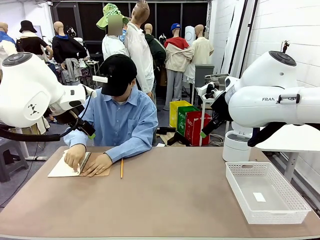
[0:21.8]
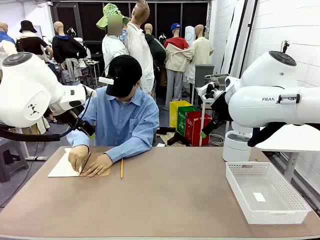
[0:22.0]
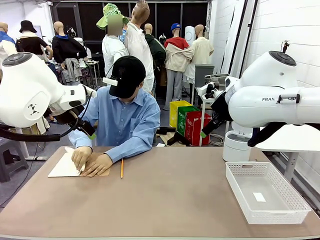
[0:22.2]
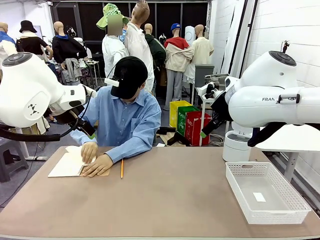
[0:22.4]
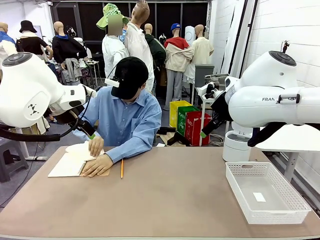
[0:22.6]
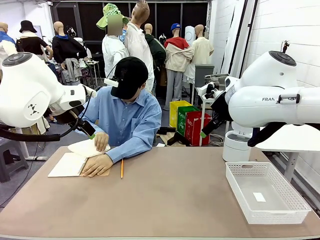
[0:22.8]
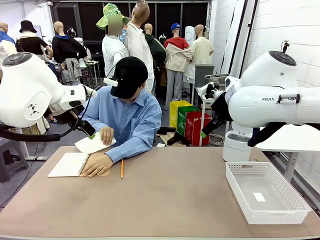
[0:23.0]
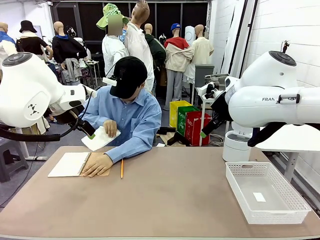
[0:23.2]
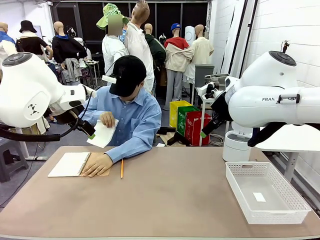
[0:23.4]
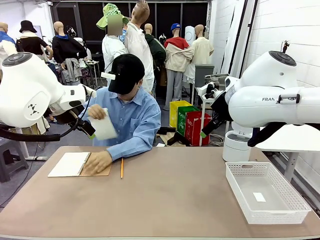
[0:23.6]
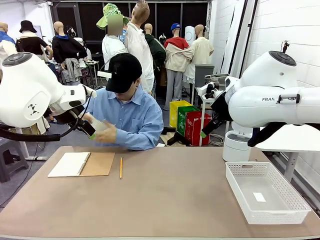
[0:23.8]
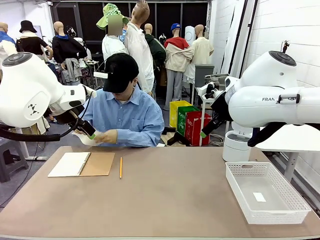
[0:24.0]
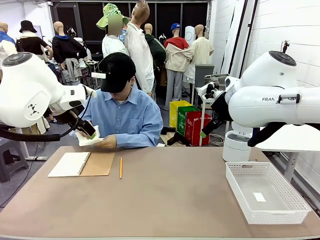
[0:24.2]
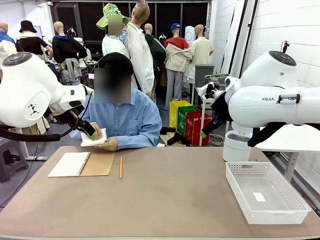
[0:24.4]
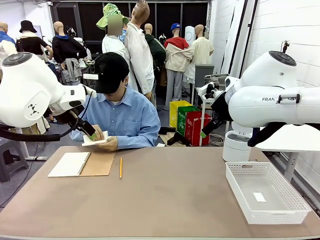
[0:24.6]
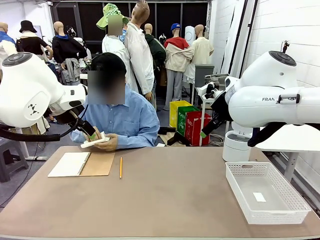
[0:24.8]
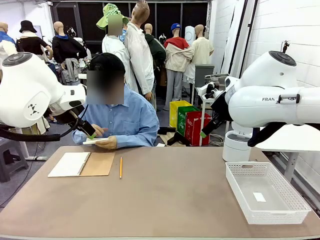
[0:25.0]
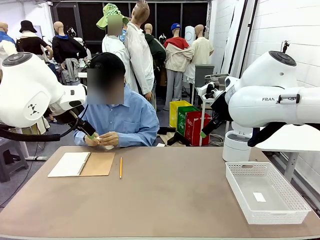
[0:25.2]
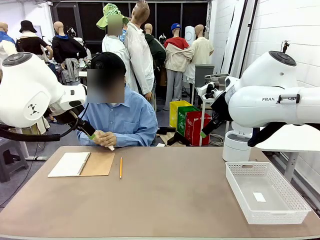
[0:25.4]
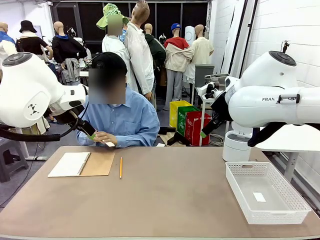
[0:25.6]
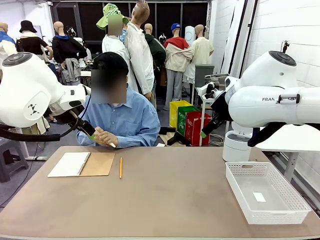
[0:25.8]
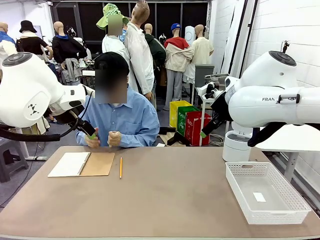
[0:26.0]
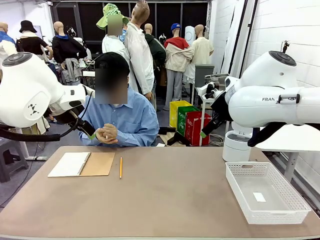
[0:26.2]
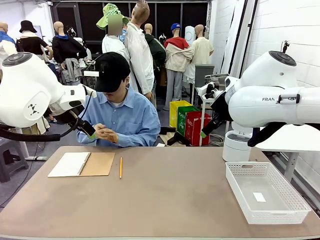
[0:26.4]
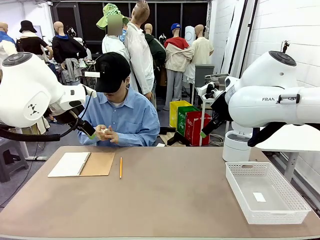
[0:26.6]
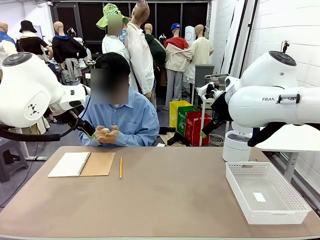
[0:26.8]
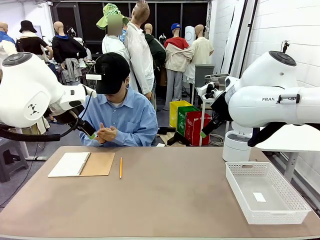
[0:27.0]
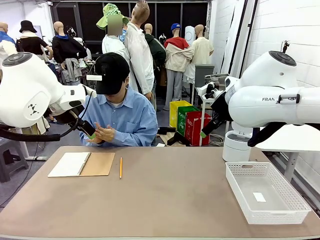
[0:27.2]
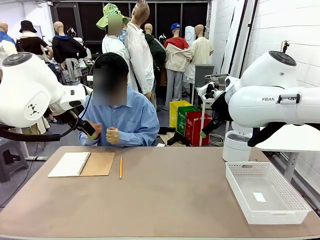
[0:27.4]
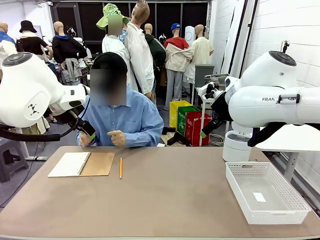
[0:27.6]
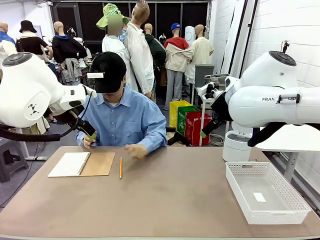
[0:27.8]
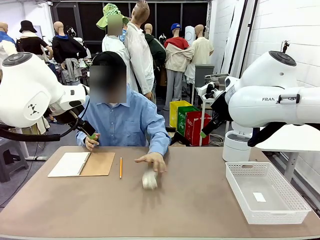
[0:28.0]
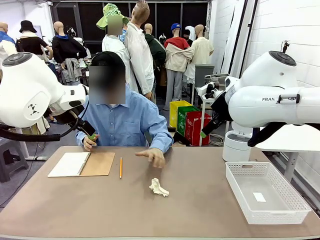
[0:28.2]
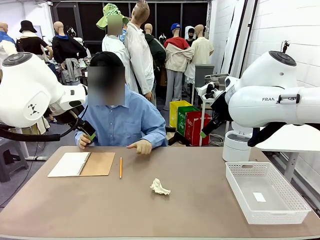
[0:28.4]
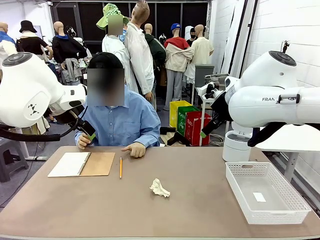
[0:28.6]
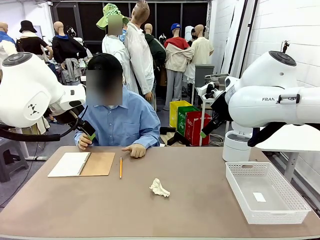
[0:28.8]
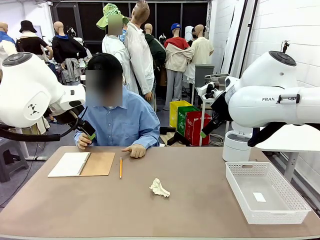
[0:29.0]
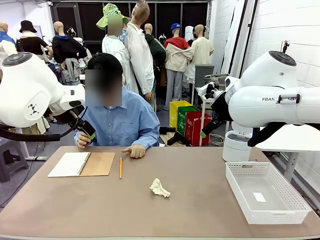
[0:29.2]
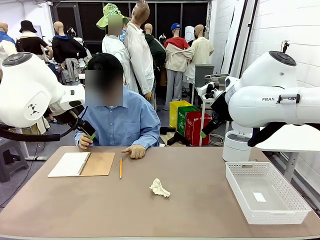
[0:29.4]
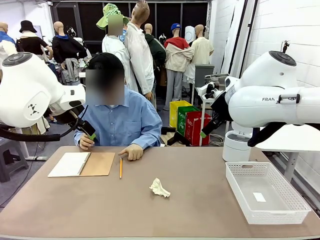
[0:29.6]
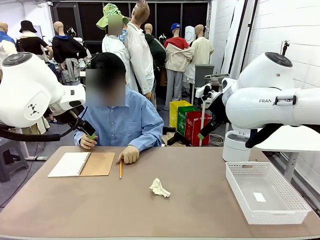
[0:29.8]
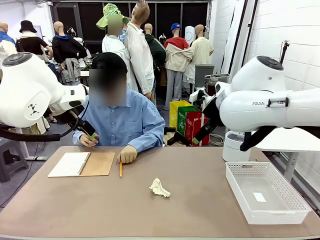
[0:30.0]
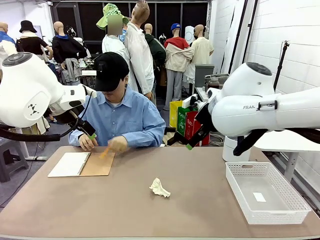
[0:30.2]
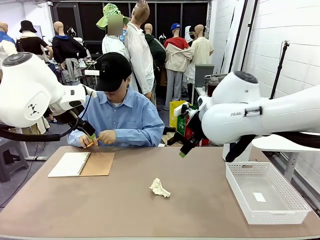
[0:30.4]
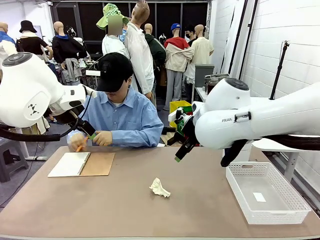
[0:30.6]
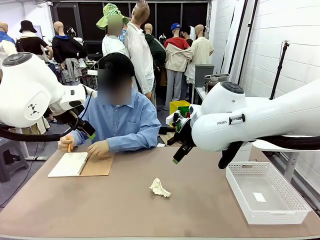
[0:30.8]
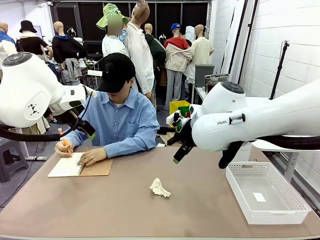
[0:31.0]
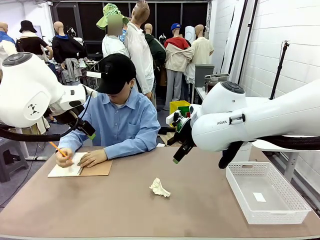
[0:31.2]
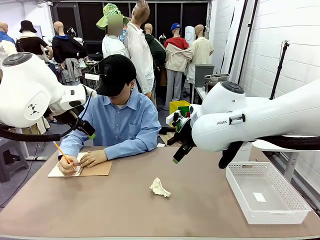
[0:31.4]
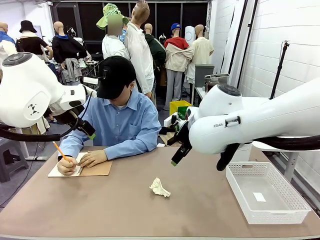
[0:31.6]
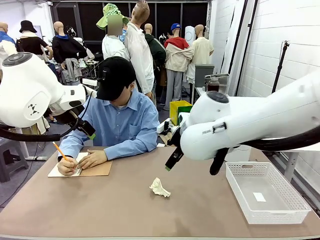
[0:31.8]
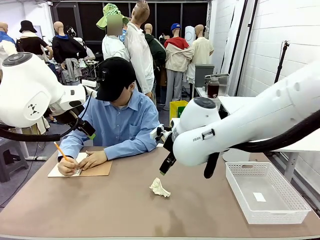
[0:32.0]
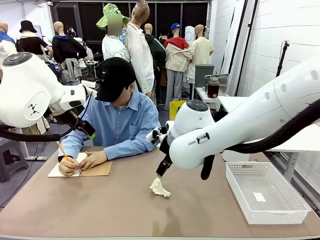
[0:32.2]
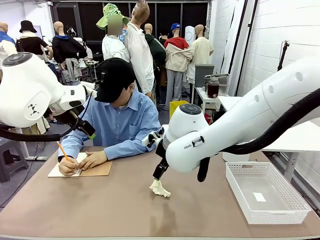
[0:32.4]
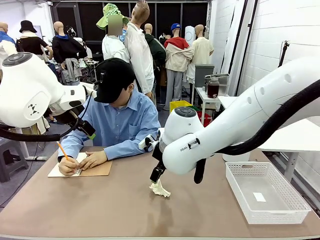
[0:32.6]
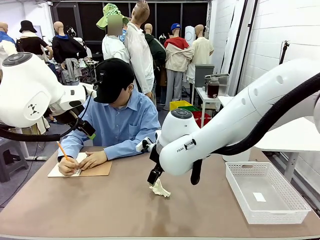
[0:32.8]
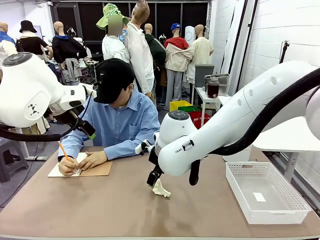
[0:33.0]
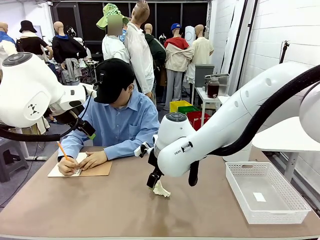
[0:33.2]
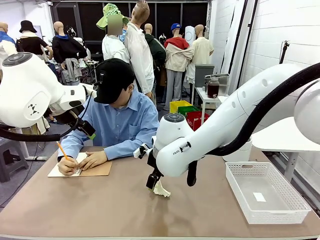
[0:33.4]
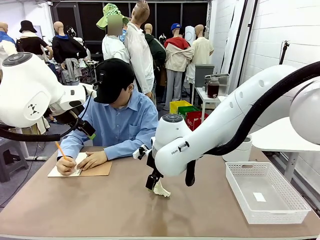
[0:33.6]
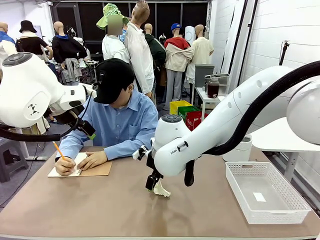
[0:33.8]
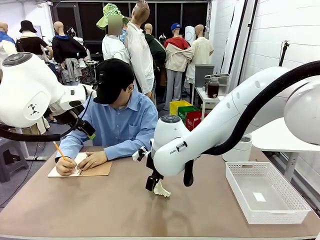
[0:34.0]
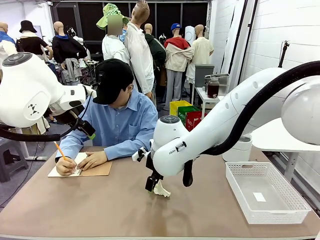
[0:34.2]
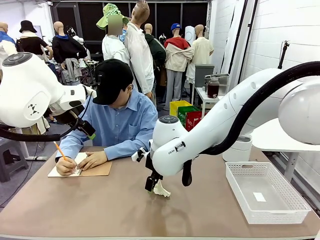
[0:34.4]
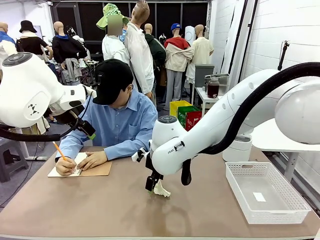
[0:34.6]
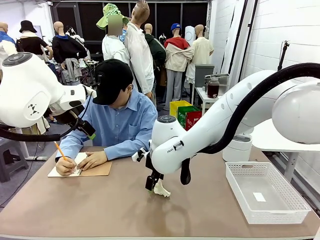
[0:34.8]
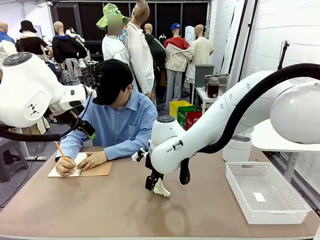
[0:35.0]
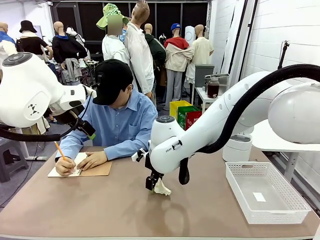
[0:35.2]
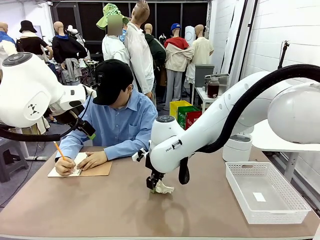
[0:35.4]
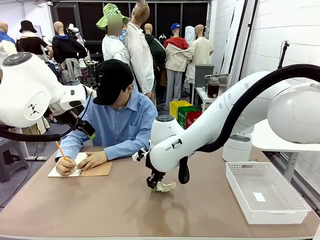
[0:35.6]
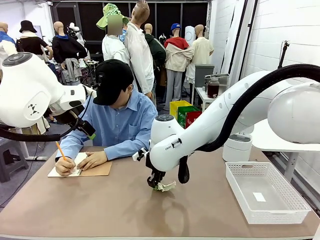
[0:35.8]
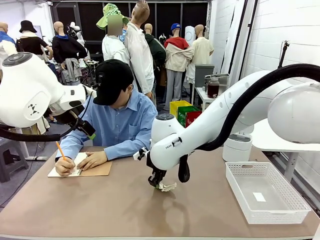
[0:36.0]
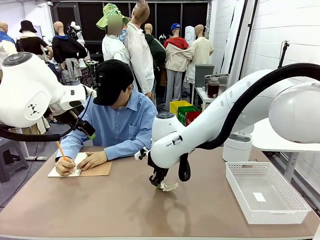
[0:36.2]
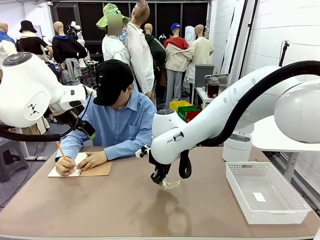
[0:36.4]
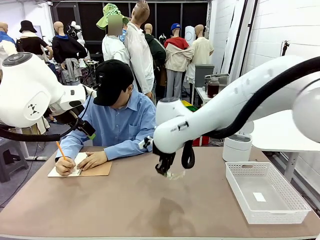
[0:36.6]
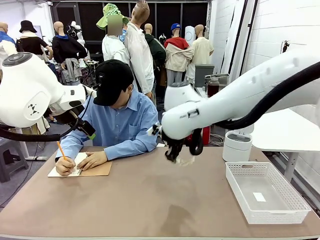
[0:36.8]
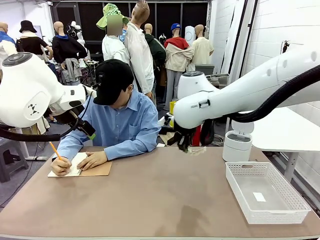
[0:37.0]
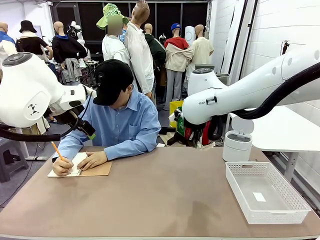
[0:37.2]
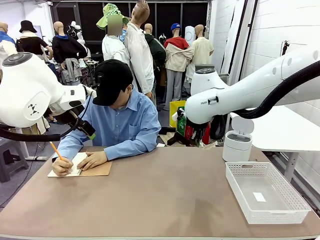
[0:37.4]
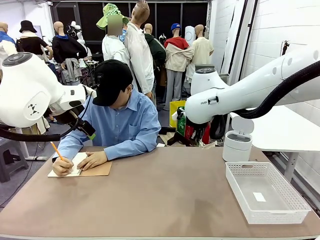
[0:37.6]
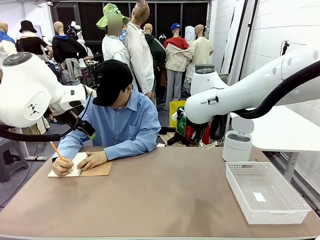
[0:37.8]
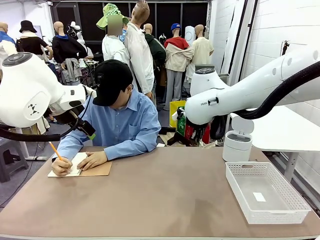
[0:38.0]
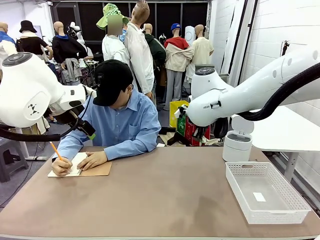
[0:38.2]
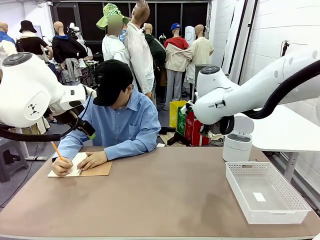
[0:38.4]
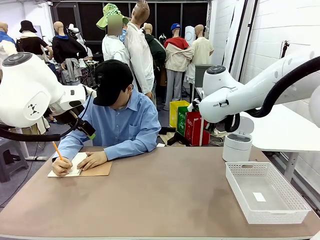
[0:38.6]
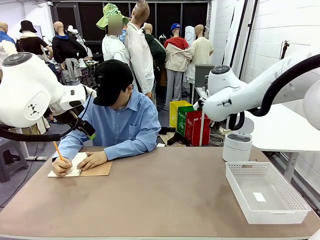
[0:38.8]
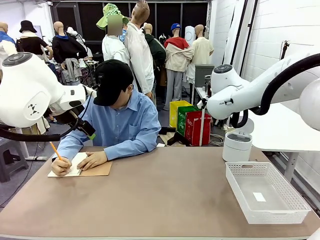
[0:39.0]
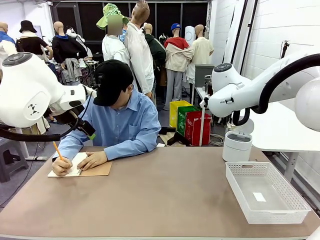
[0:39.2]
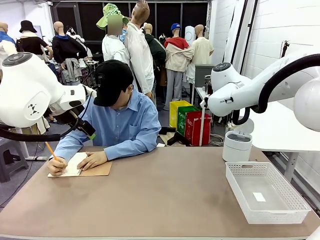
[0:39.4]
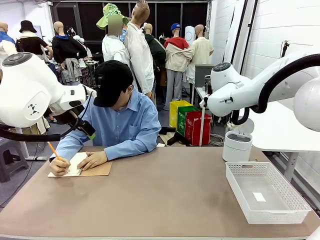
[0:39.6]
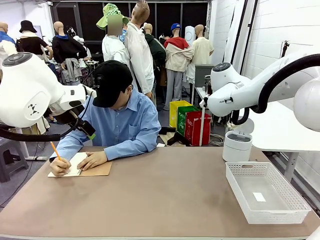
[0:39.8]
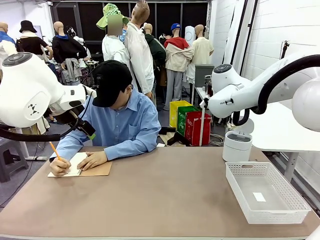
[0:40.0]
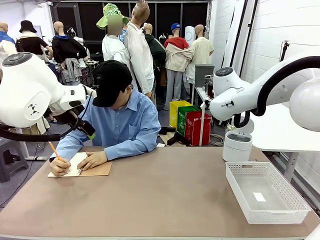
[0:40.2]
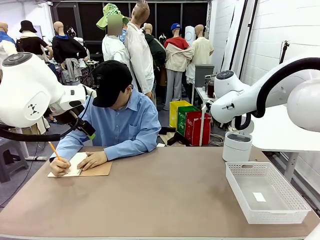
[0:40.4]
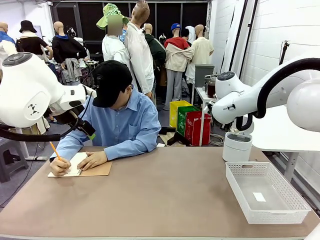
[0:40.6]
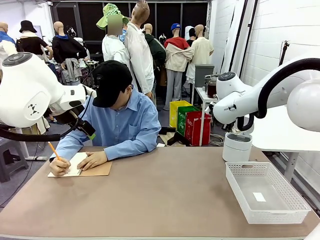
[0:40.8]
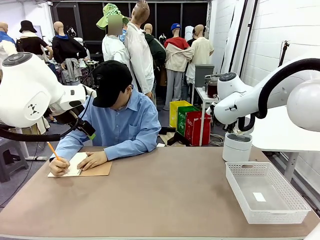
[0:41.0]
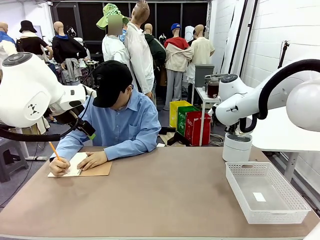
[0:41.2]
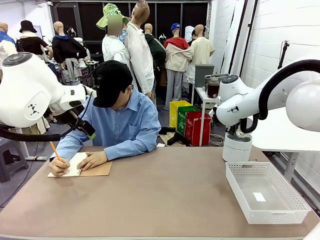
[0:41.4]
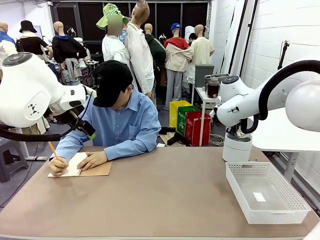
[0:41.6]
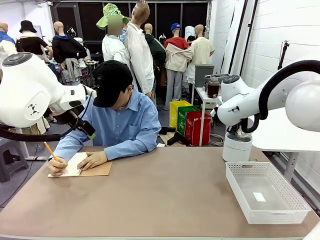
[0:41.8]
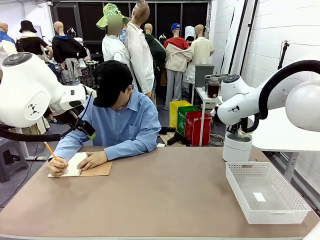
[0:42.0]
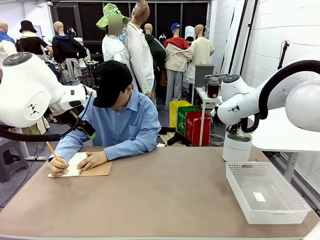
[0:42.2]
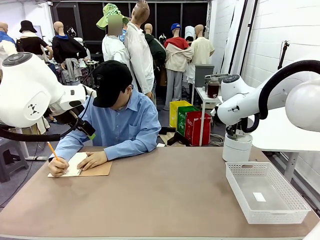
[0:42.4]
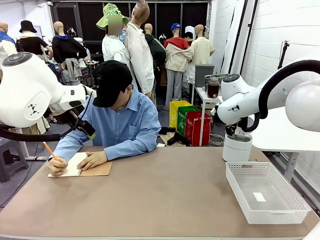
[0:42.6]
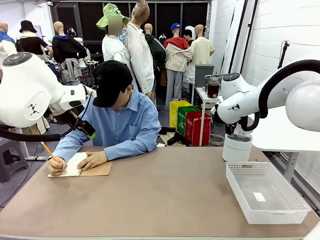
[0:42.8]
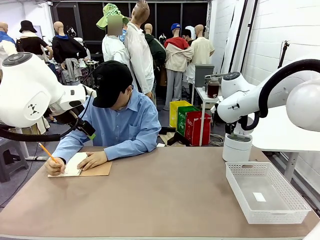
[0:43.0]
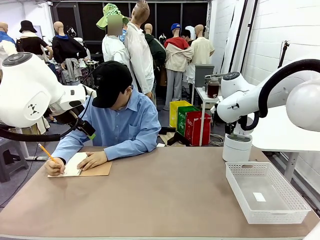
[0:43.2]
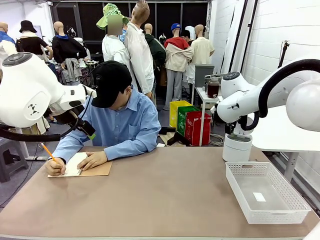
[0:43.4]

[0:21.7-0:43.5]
Task: Sort the paper based on its condition.
Robot: If a person hands you a paper, place it in the Organizing basket , and if it's crumpled, put it in the Trash can.
Person: Hand the torn page to the robot or crumple it and throw it to the center of the table.
